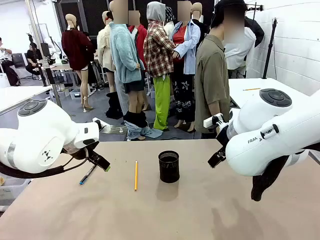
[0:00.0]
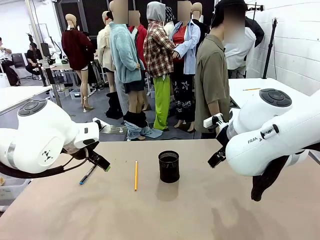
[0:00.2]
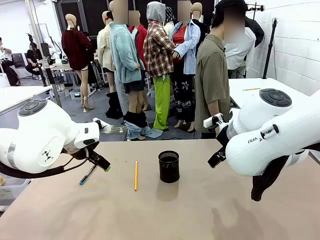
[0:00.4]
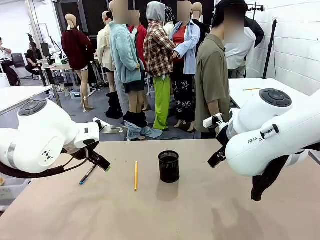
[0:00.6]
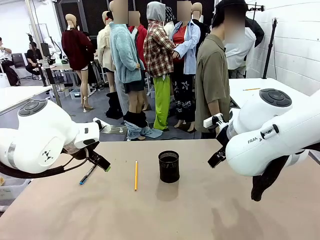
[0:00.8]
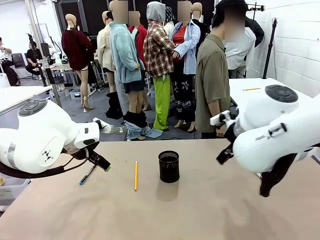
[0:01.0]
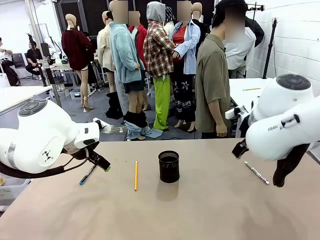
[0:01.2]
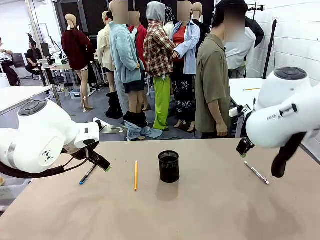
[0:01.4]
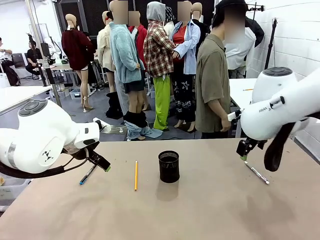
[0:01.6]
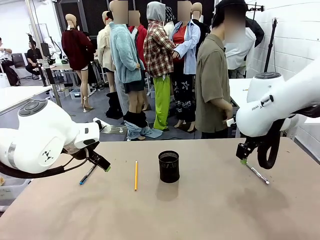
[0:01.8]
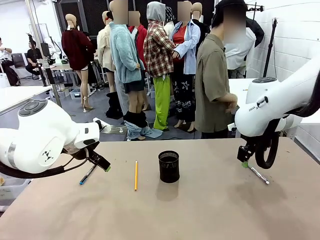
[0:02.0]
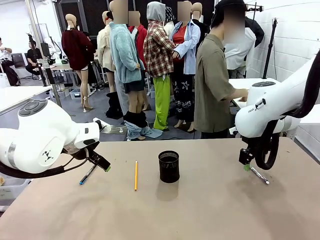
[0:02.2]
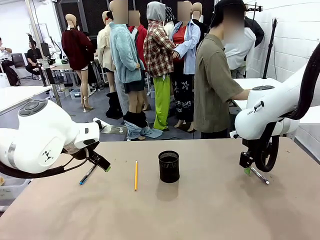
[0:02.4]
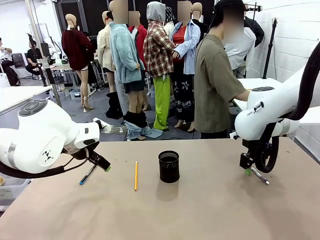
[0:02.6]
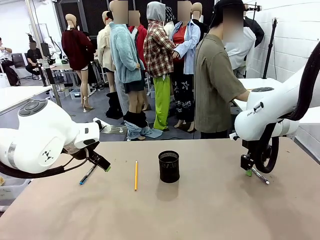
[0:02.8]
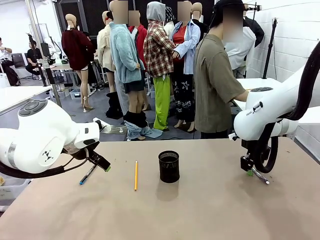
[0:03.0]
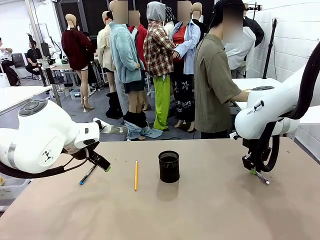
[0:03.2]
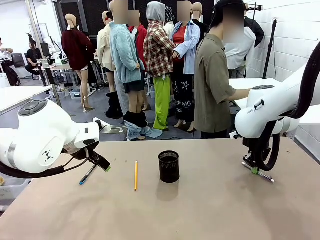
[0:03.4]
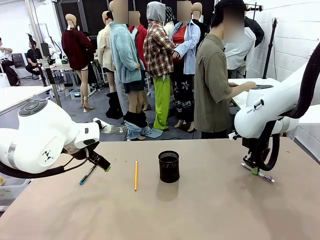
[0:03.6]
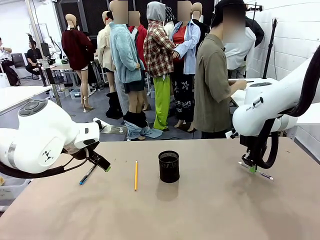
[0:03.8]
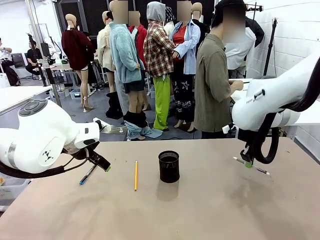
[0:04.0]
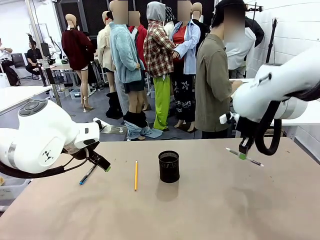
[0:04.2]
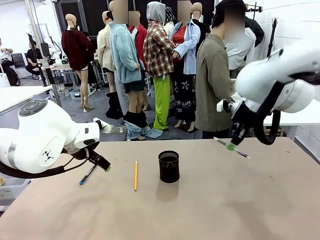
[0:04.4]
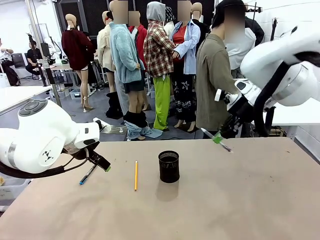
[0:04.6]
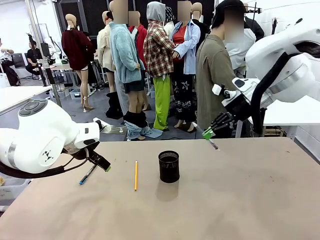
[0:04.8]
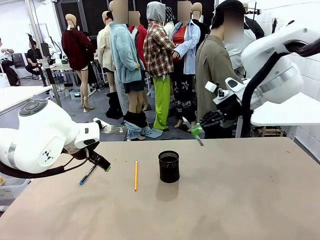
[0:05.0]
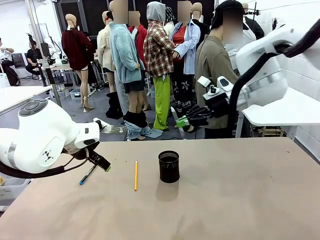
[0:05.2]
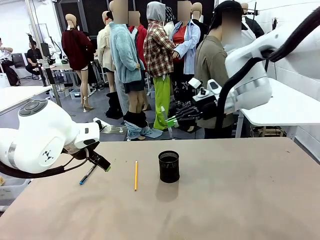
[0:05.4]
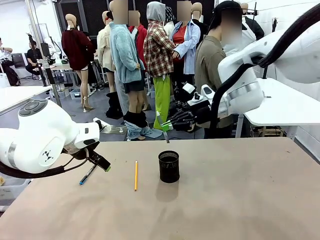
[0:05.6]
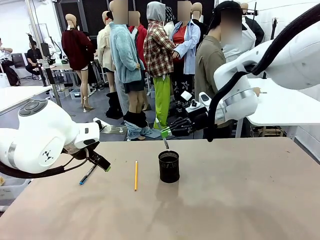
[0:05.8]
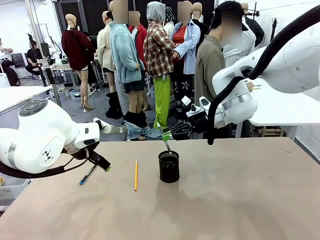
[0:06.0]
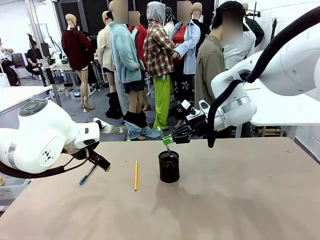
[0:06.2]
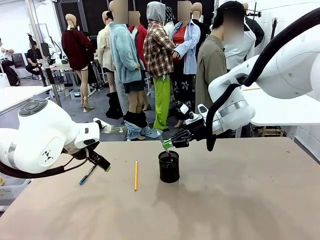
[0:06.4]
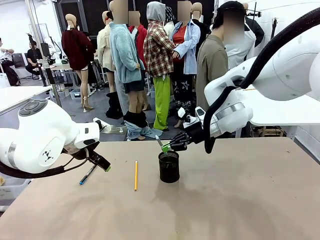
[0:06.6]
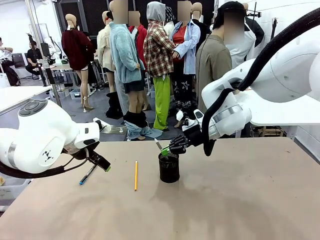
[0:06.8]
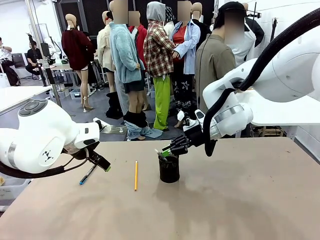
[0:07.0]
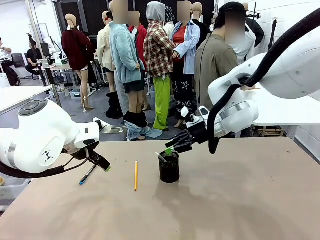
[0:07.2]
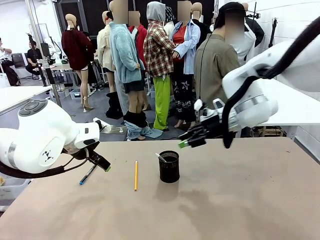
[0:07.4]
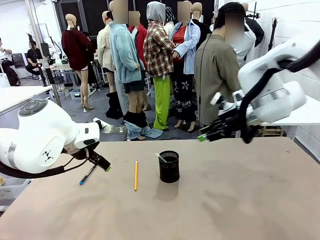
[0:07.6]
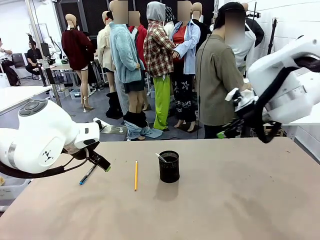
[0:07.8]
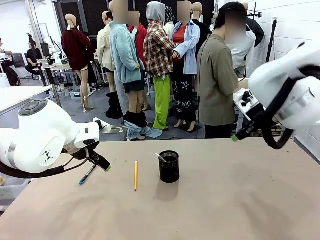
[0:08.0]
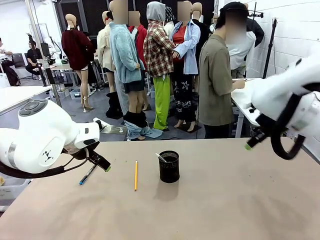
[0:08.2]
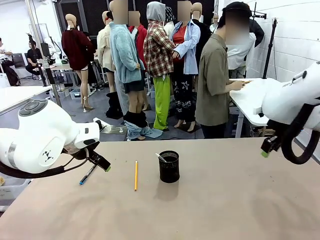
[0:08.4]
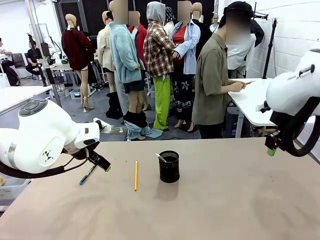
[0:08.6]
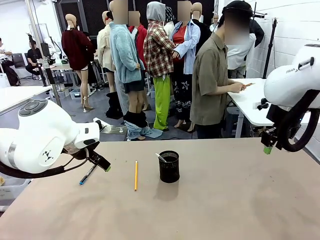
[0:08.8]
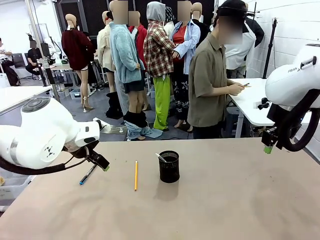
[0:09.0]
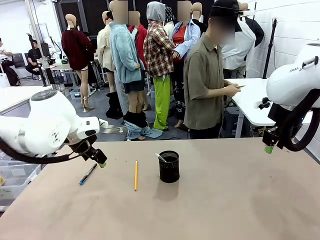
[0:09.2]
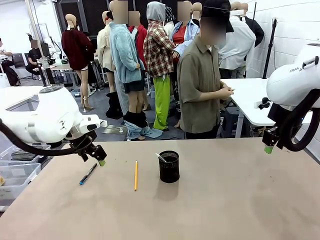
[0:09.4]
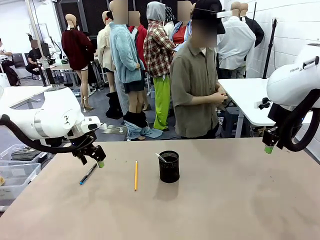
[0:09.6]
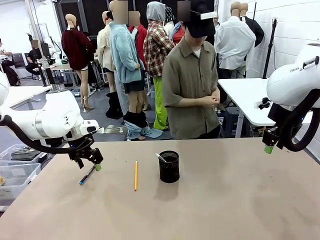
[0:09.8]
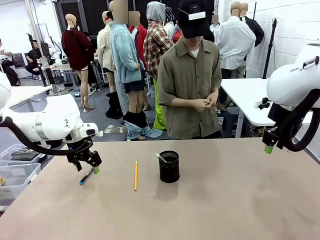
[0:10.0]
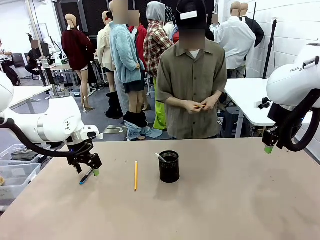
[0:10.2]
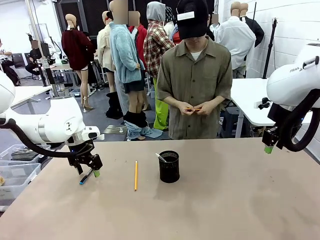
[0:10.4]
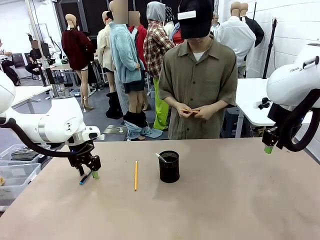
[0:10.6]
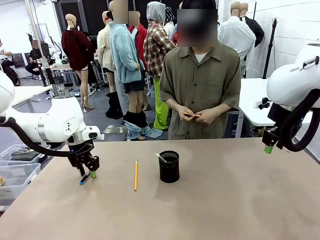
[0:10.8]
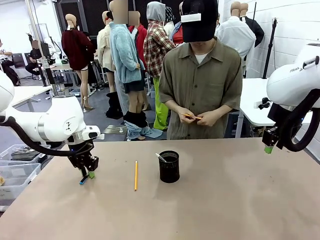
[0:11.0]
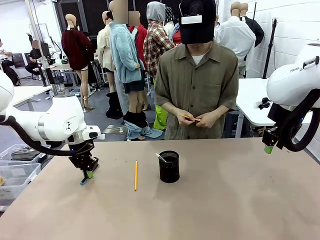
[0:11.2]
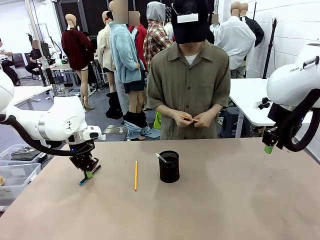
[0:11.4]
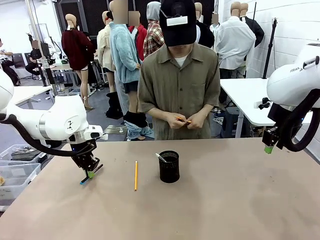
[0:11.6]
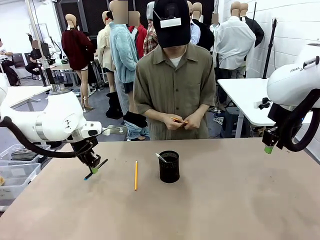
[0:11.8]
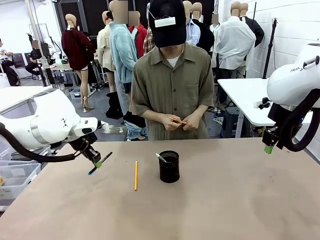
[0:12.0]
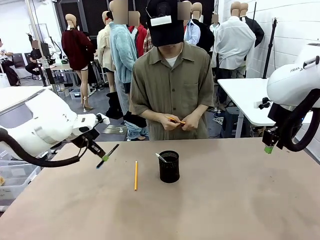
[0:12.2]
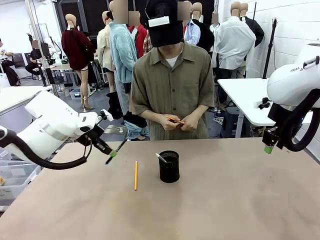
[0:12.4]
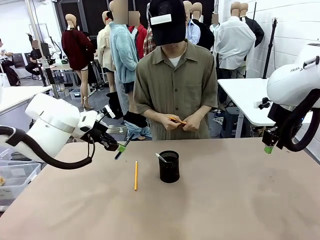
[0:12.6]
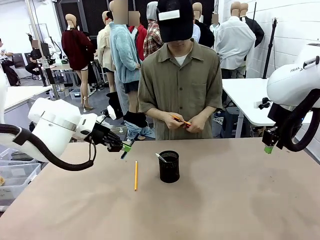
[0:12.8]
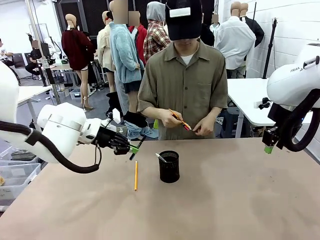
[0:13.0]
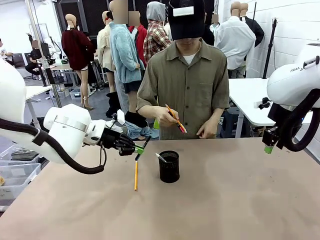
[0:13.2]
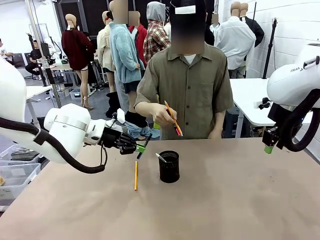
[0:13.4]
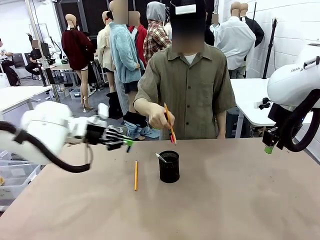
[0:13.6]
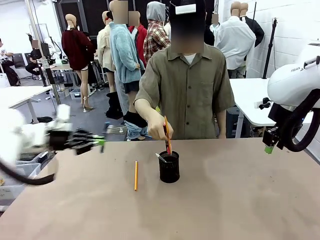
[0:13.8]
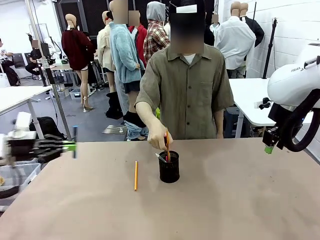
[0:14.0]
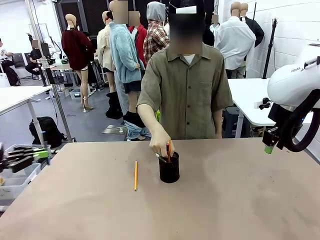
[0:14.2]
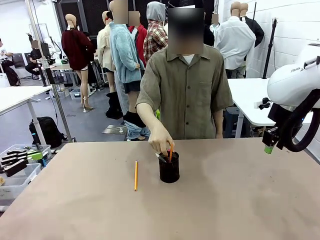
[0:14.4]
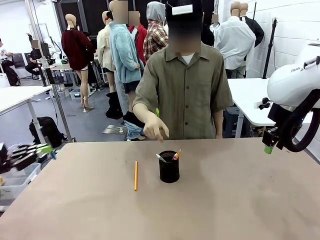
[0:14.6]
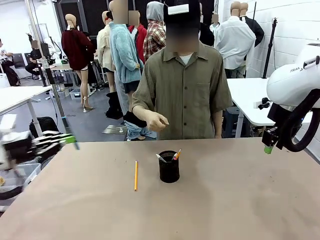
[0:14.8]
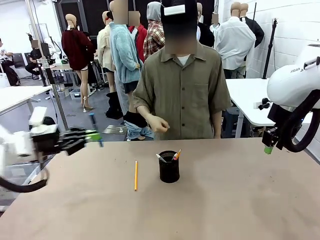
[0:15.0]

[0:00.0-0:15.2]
Task: Place the pens into the pen holder.
Robot: Pick up a writing instrument from the table and place it into the Pen holder.
Person: Pick up all writing instruments from the Human table.
